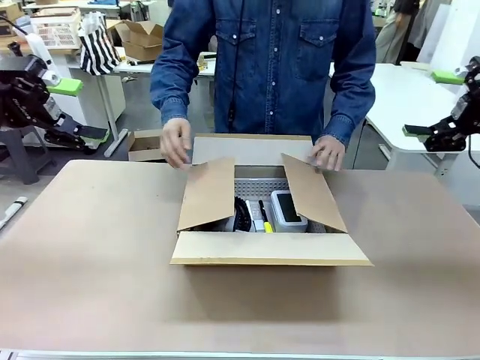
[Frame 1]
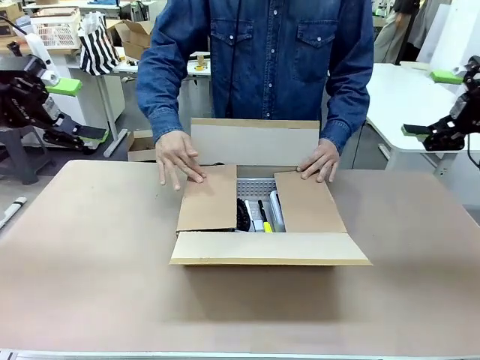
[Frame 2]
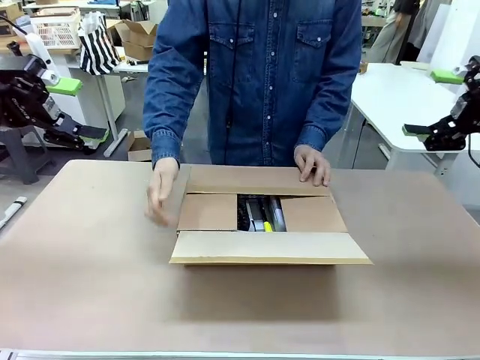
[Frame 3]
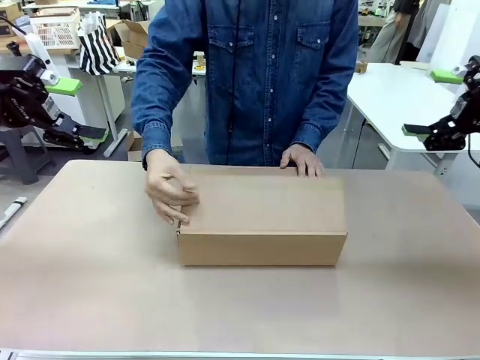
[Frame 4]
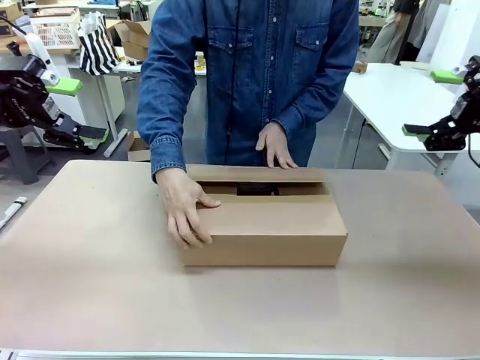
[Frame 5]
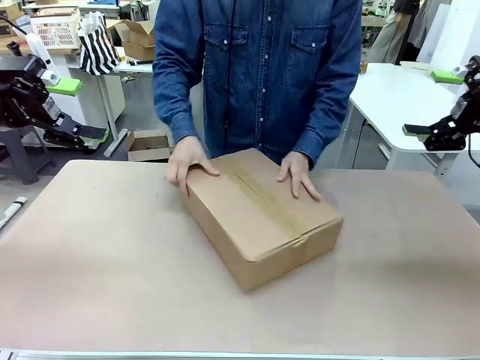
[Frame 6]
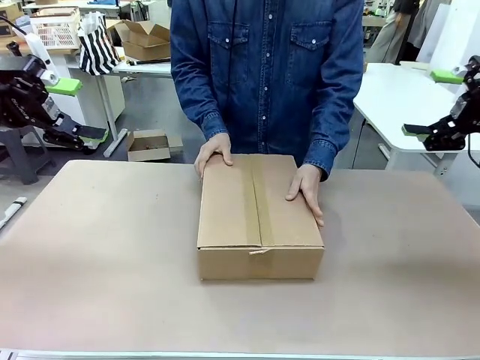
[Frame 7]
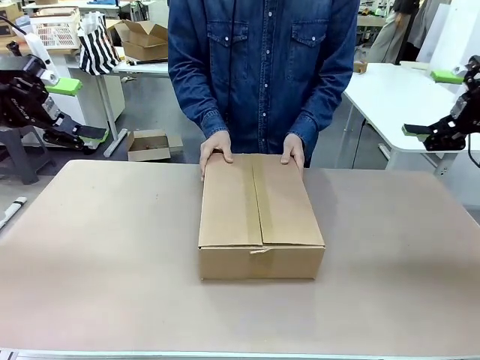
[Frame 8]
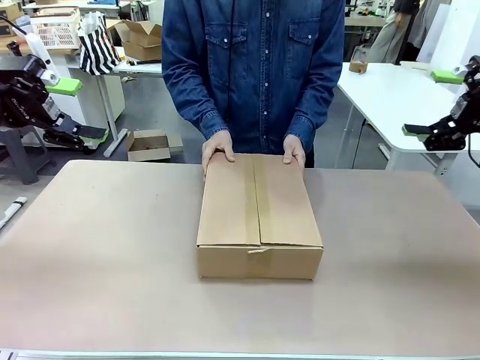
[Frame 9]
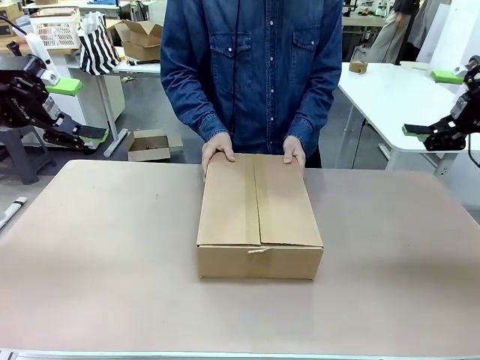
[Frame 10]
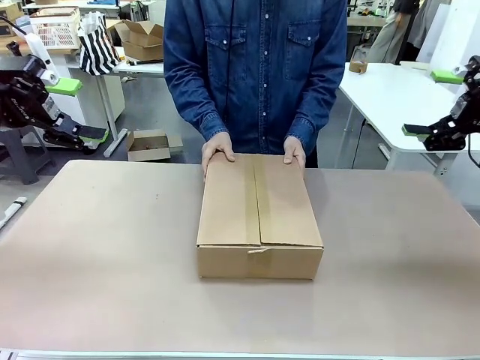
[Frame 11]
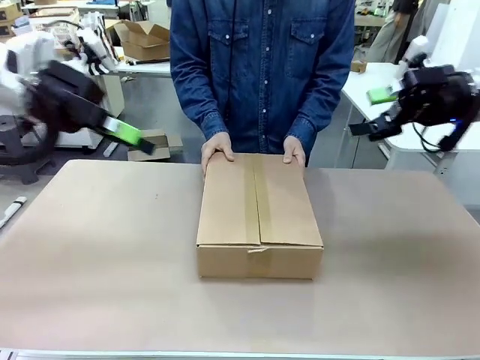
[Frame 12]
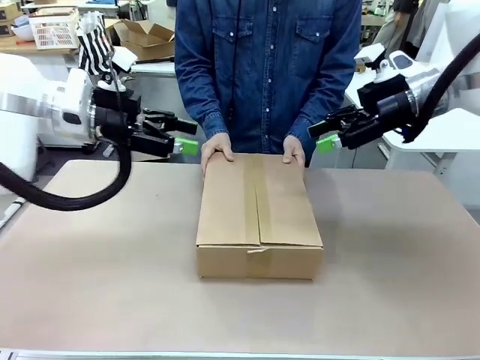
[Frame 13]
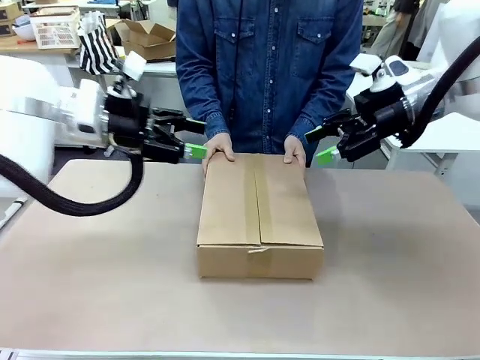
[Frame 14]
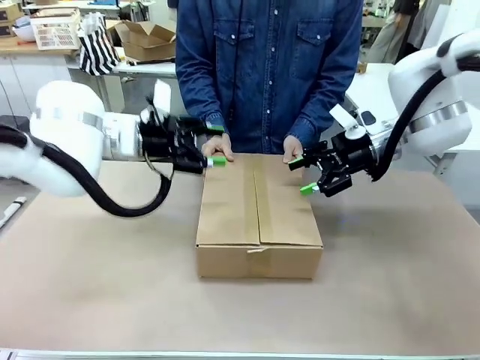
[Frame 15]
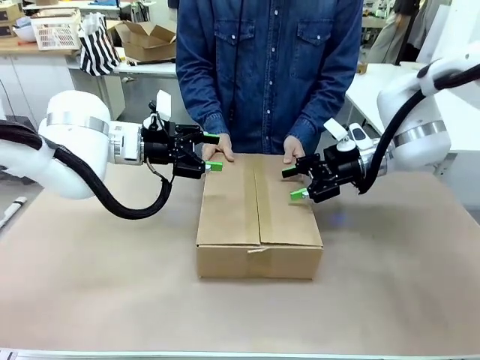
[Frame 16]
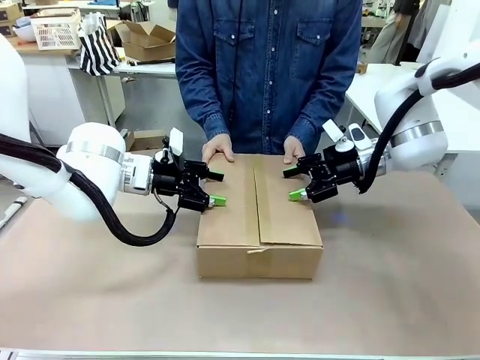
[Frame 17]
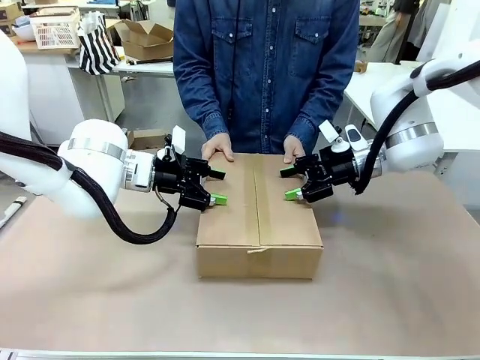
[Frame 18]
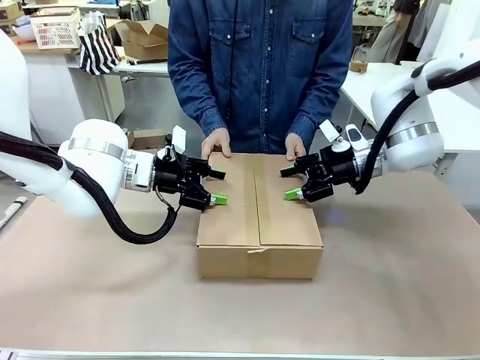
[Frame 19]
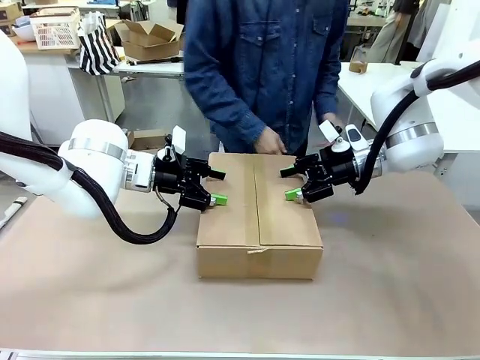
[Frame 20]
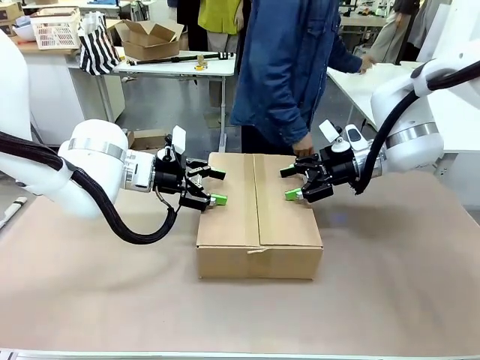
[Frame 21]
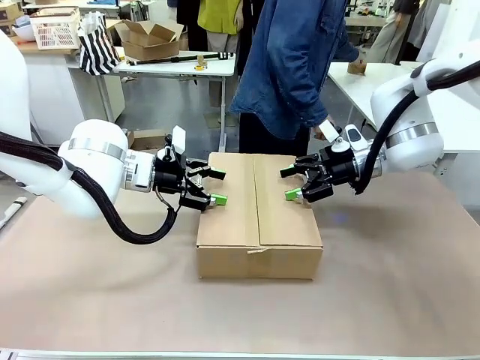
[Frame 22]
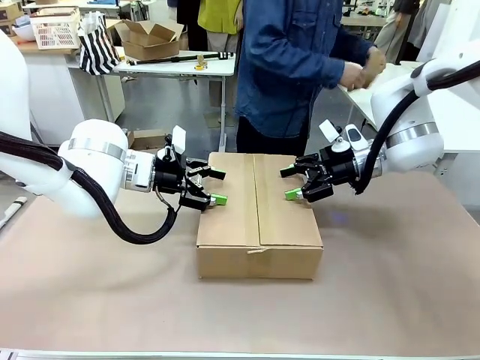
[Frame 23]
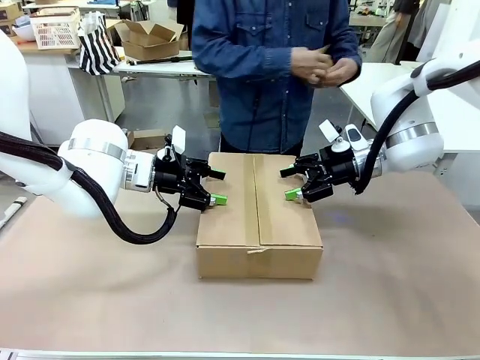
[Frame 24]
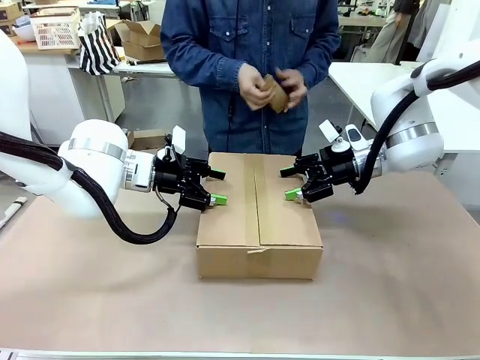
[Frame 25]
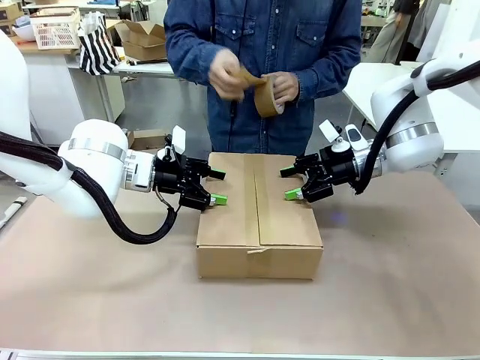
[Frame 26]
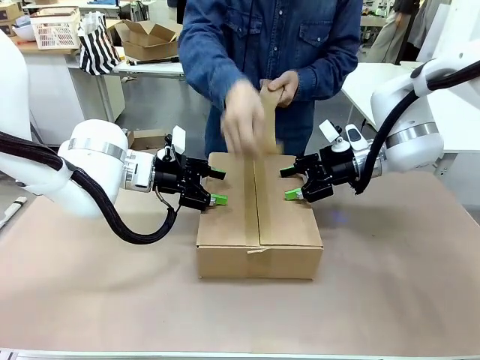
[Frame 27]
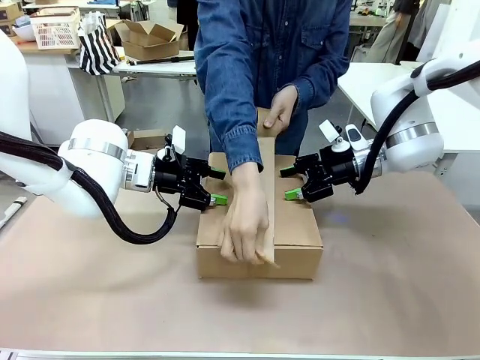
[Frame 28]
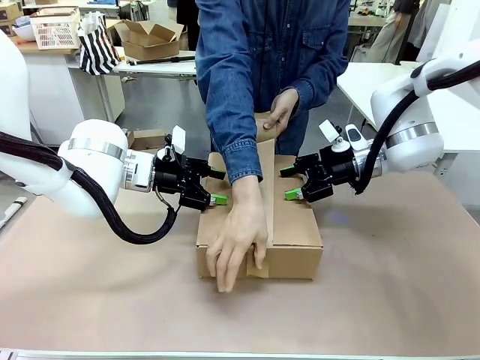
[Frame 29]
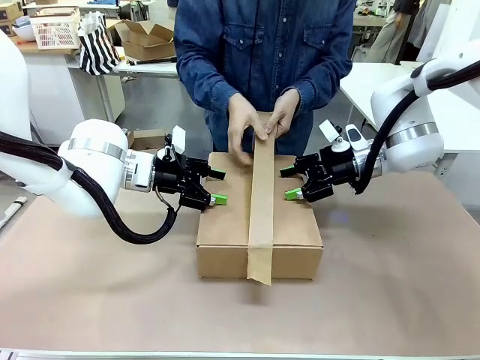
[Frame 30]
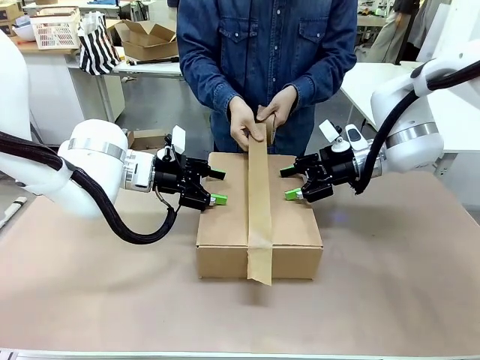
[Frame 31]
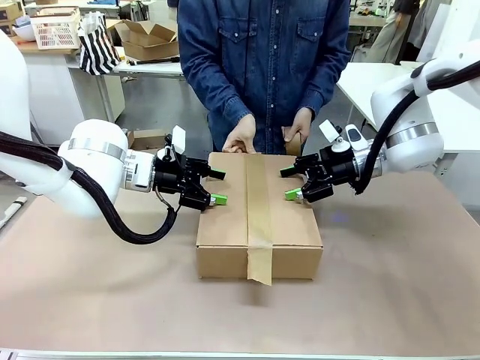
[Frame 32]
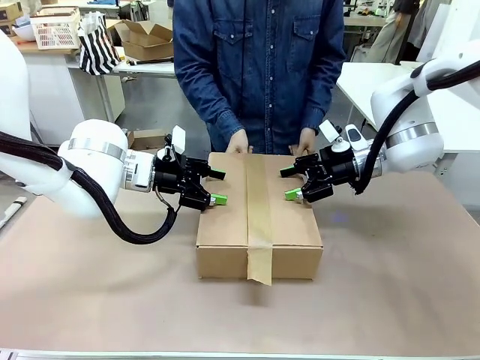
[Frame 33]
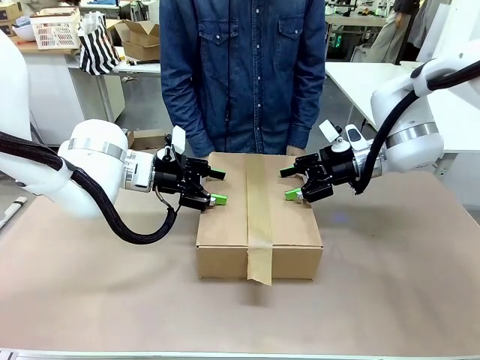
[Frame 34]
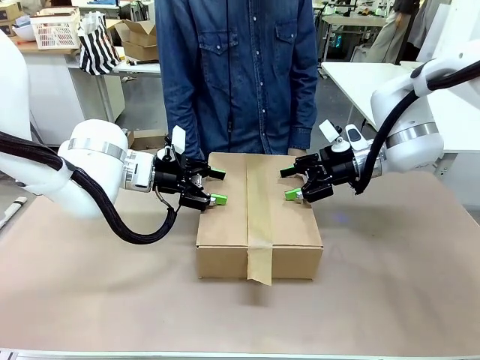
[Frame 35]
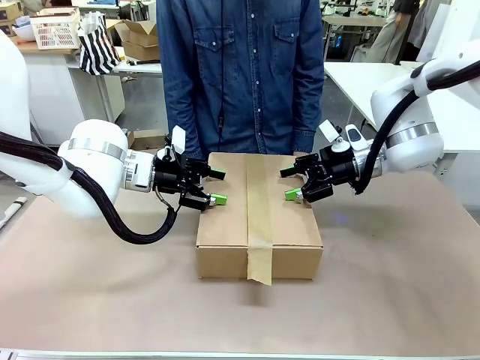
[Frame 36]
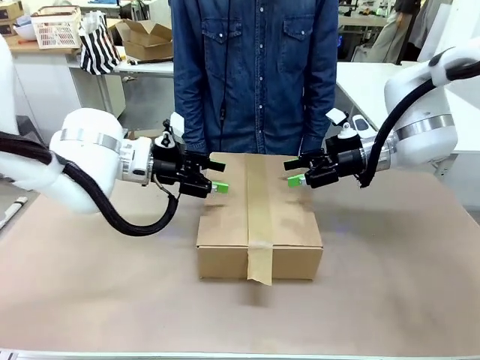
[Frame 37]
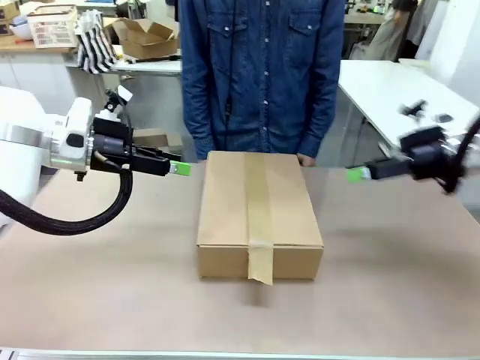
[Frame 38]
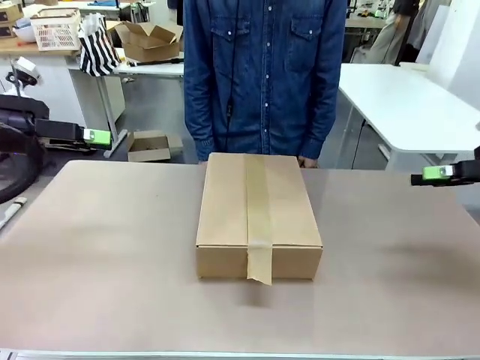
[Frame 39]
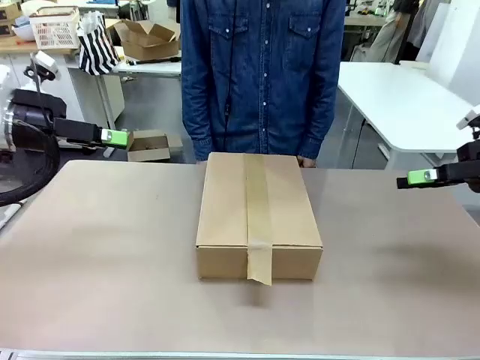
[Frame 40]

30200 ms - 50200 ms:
Task: Pack the gift set into the box.
Robot: Press and hold the closed box until the human finishes sealing it.
Person: The human closes the box and rotates the box by 90 degrees. The human picks up the paper tape from the human table and packs the box.

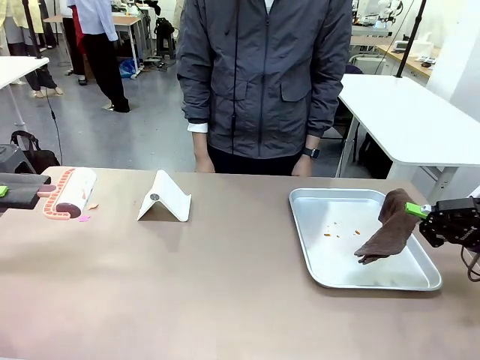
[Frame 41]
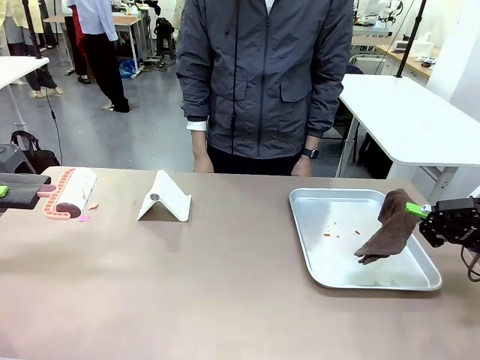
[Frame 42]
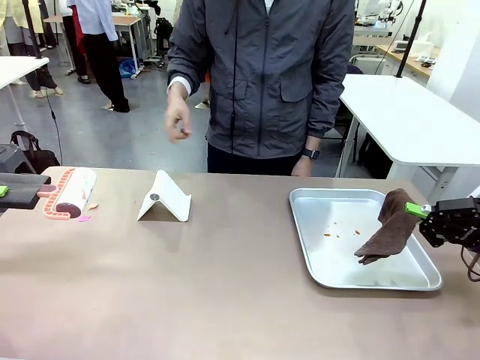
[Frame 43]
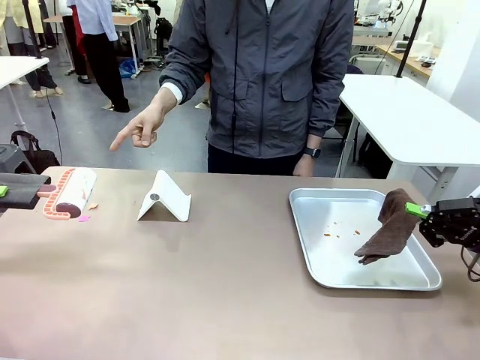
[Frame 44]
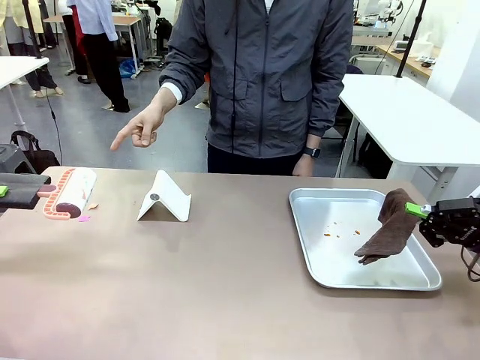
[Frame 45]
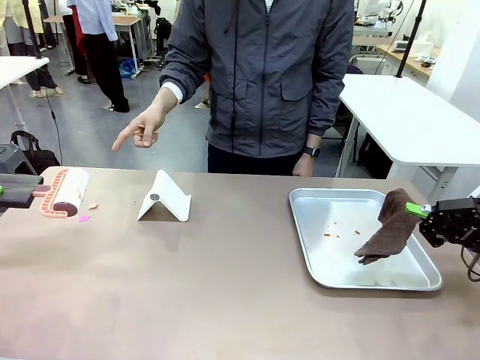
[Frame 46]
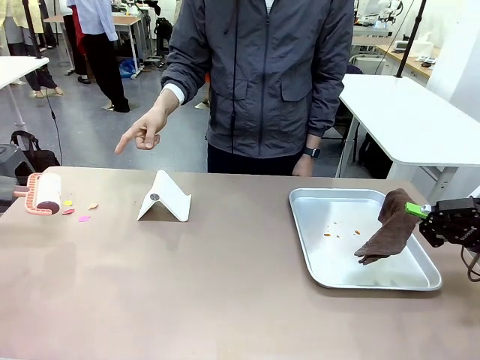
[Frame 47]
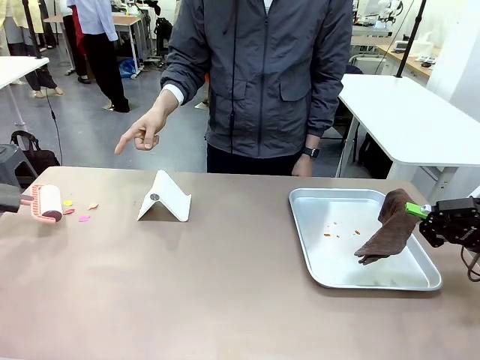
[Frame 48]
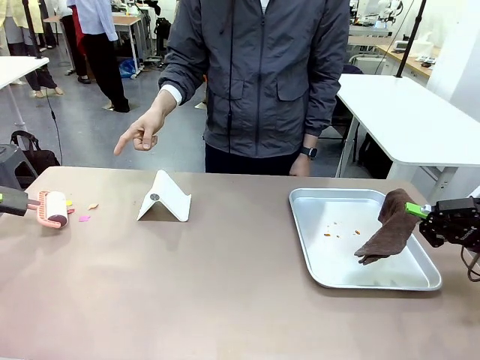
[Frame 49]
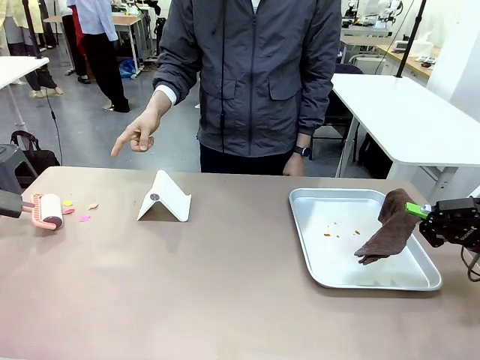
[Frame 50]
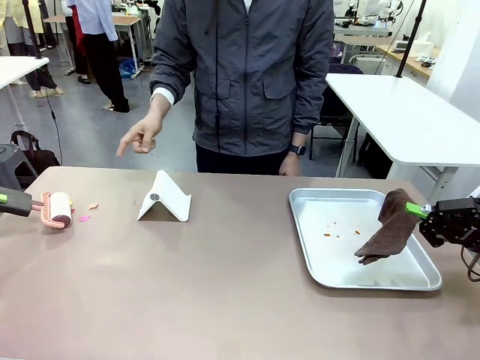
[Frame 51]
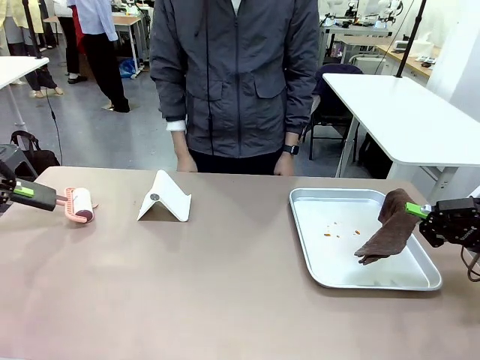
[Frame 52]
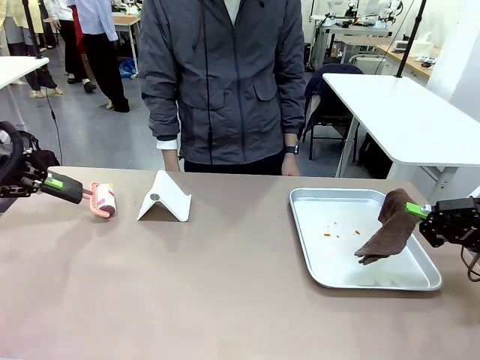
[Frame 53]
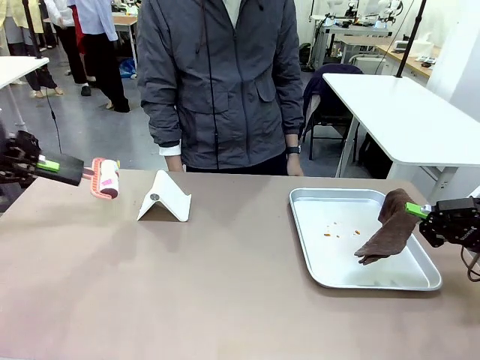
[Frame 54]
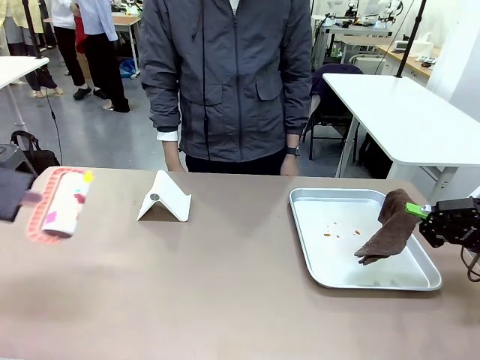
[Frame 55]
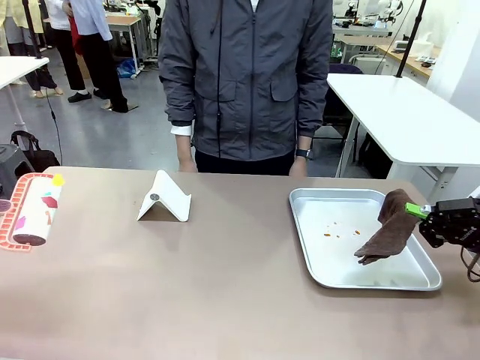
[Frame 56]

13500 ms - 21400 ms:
Task: Clean the surface of the table.
Robot: If a person points to the right, clean the right side of the table with your right hand, and if they point to the left, clean the left side with your left hand.
